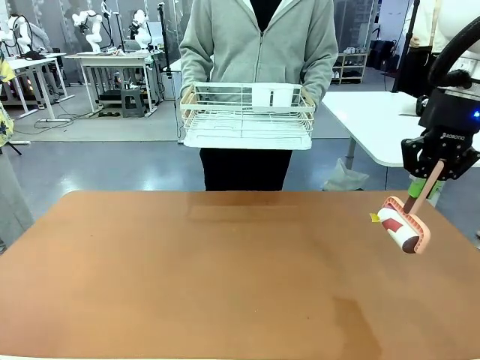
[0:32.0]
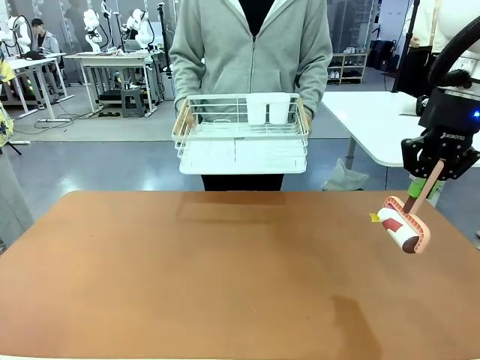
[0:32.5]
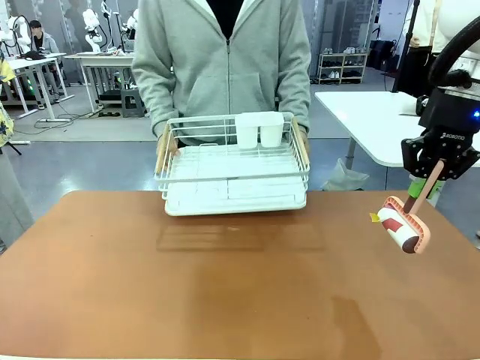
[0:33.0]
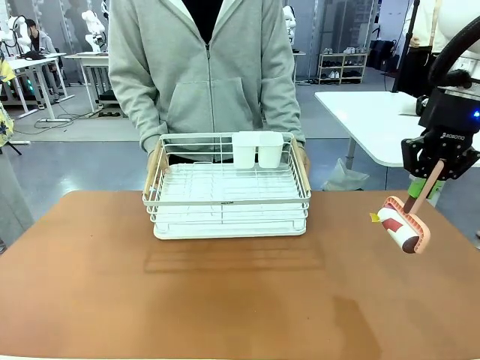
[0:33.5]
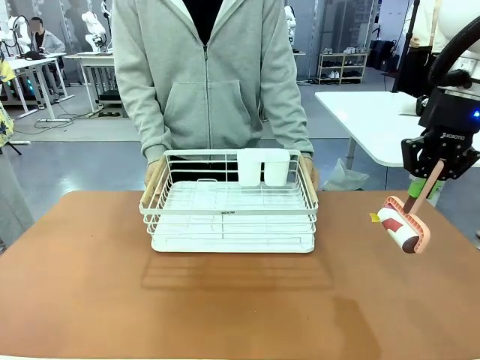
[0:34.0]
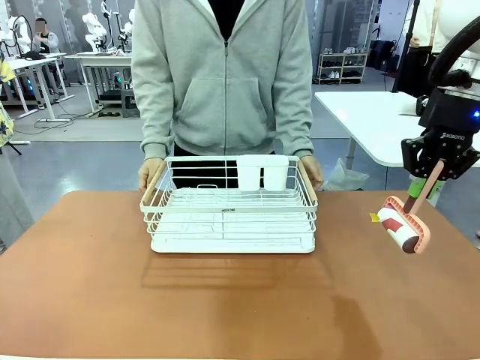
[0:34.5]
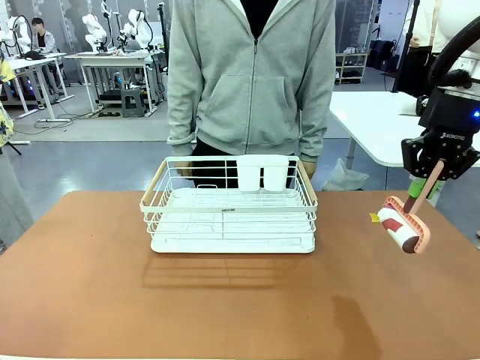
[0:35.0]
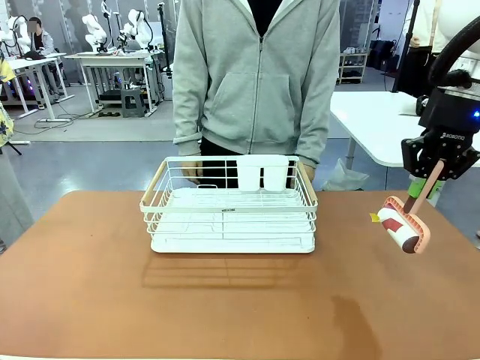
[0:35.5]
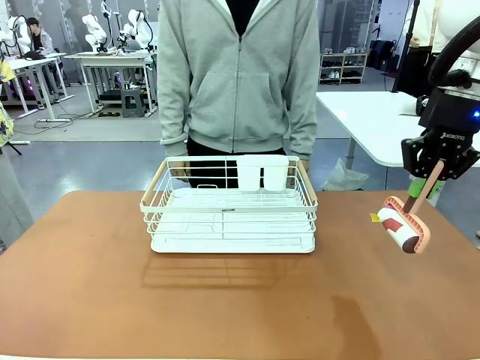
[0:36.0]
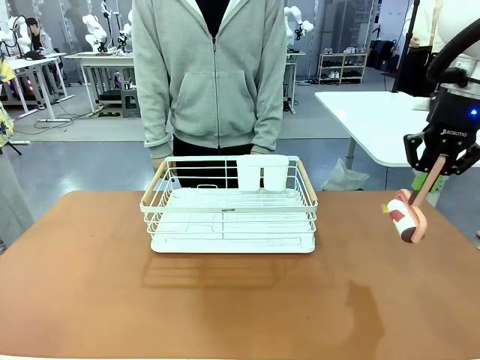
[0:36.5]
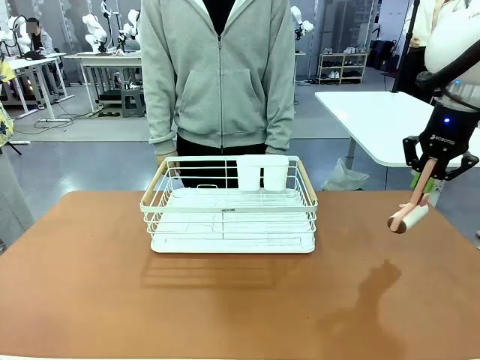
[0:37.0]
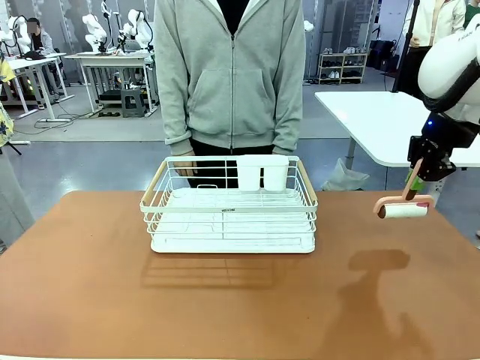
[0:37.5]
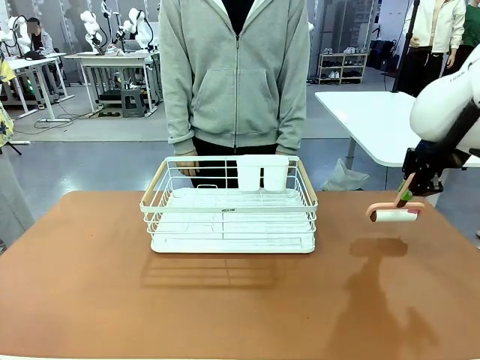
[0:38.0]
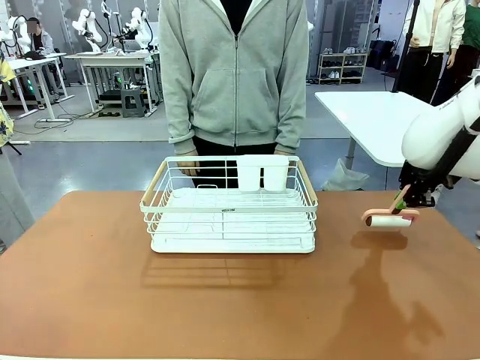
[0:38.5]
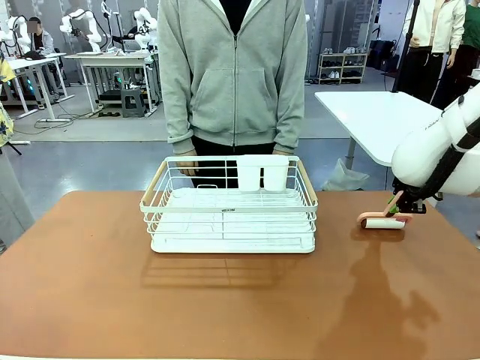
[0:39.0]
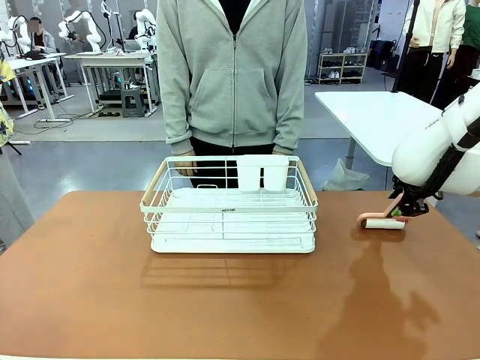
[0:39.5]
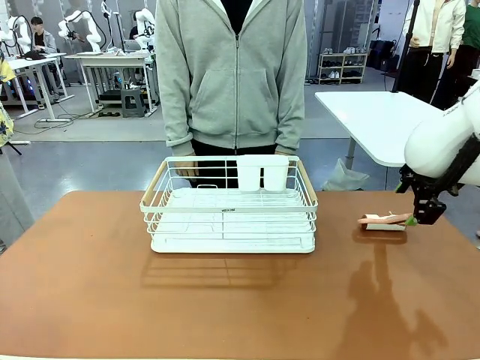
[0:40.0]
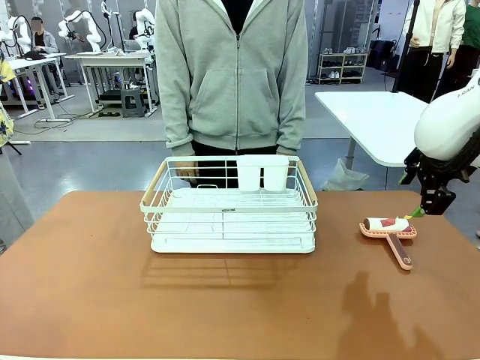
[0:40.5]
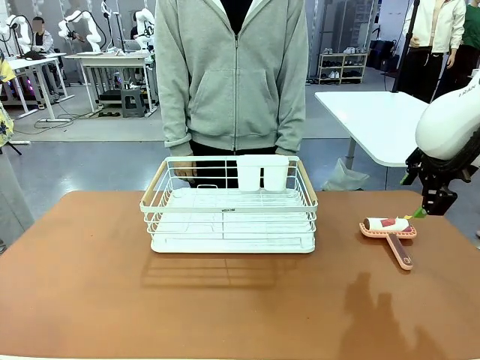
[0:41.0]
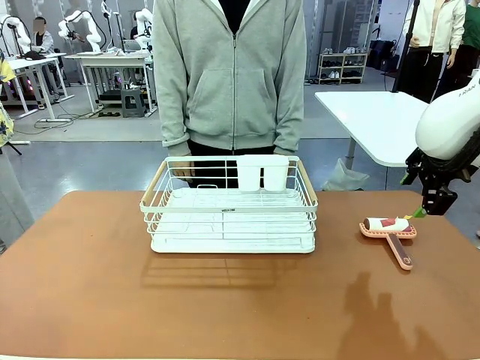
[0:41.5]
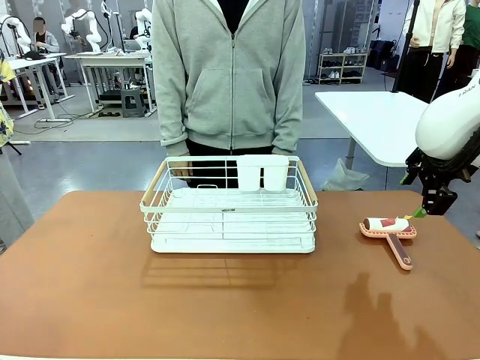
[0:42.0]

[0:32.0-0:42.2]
Task: Clean the table.
Robot: Place the Lint Roller down when the Dish drying rack is positioned in the middle of the table.

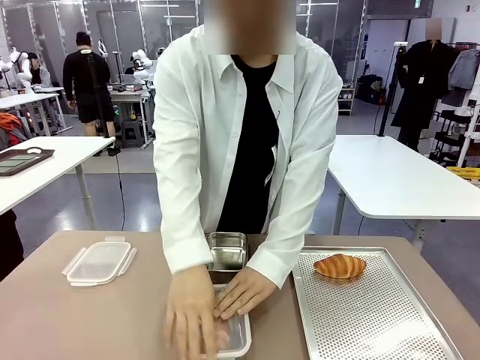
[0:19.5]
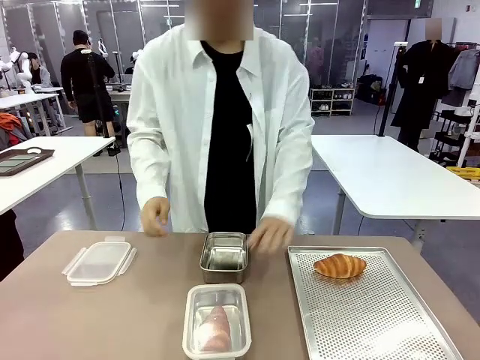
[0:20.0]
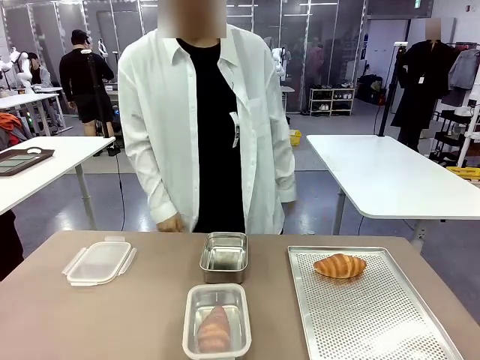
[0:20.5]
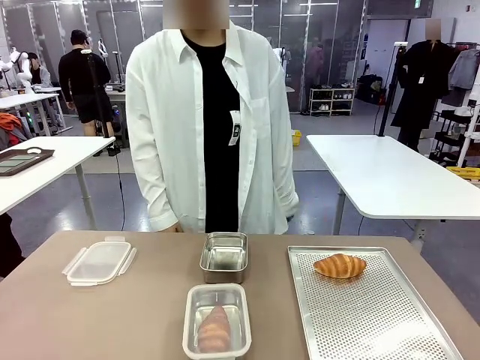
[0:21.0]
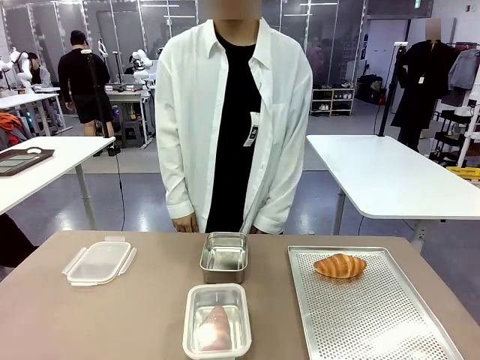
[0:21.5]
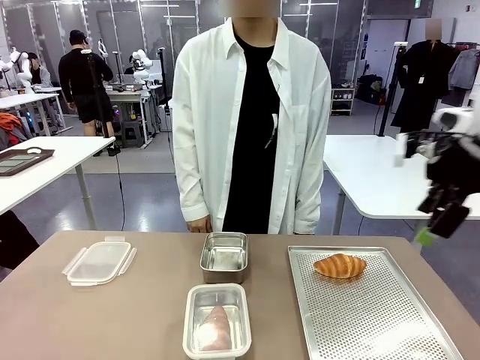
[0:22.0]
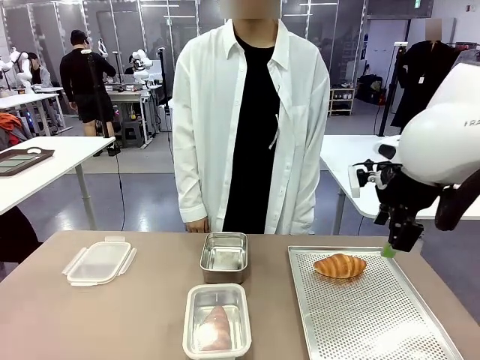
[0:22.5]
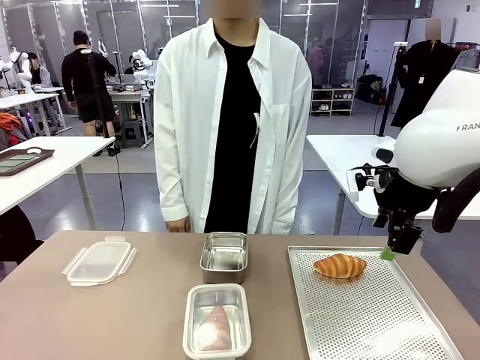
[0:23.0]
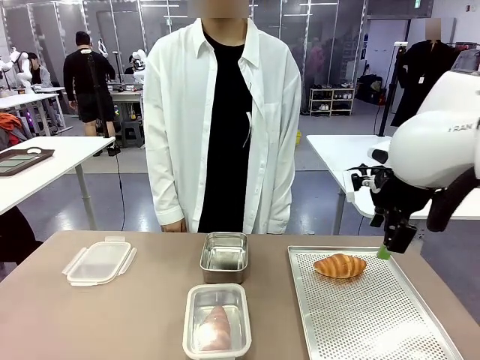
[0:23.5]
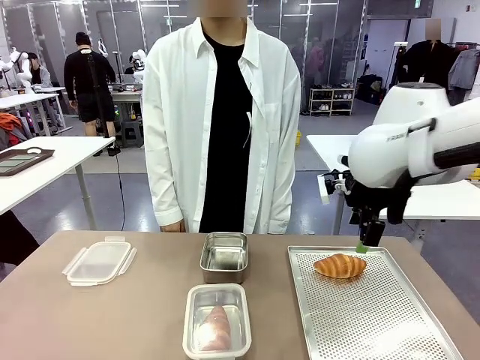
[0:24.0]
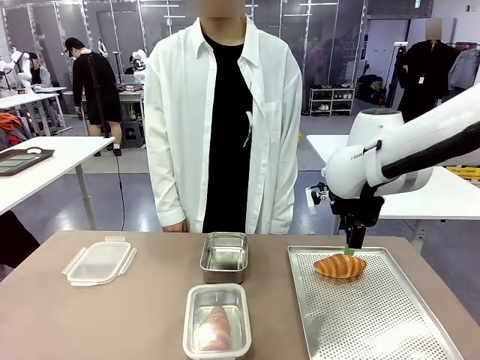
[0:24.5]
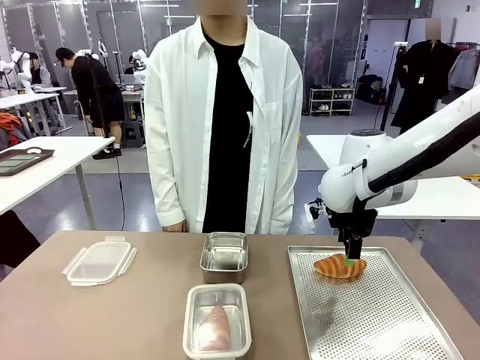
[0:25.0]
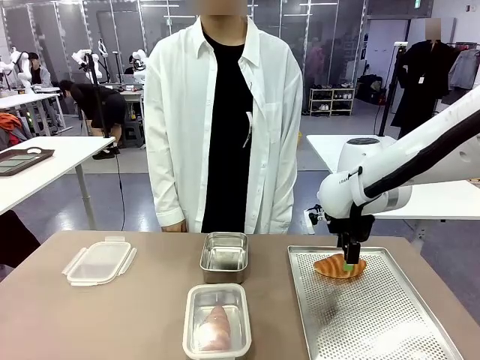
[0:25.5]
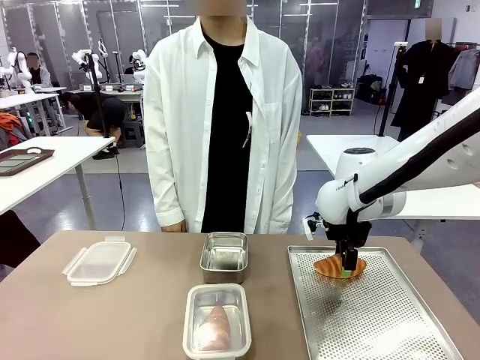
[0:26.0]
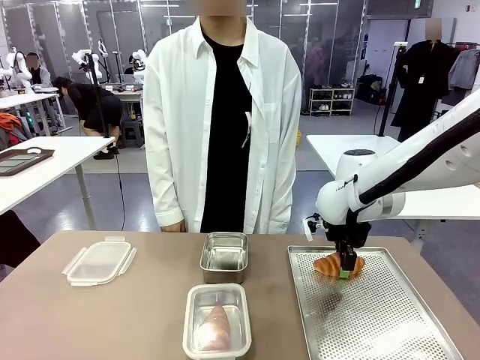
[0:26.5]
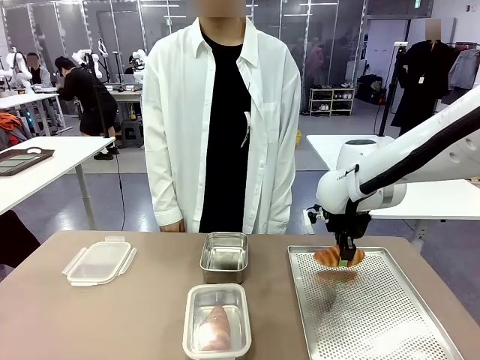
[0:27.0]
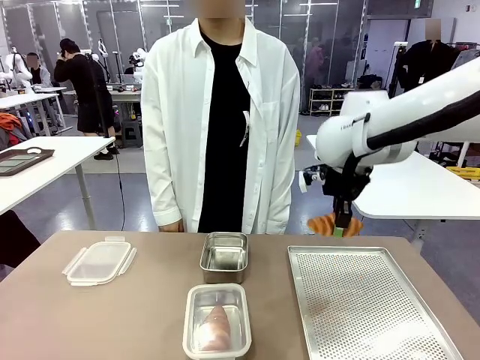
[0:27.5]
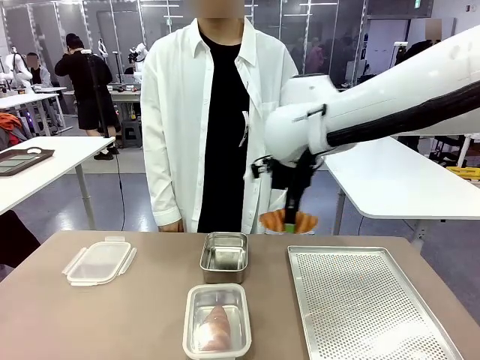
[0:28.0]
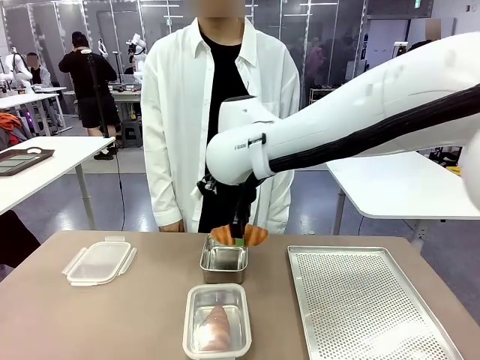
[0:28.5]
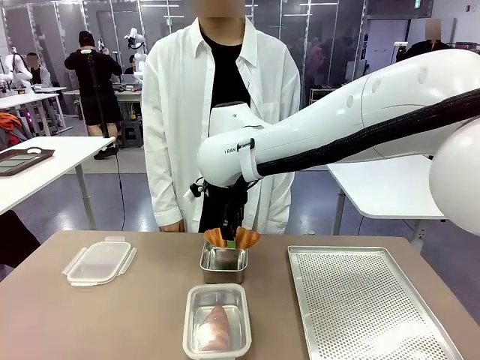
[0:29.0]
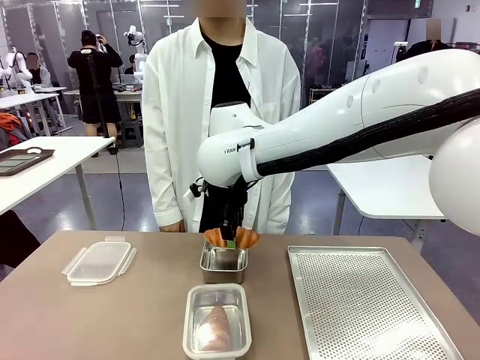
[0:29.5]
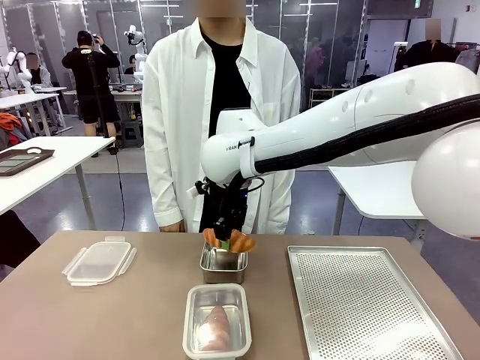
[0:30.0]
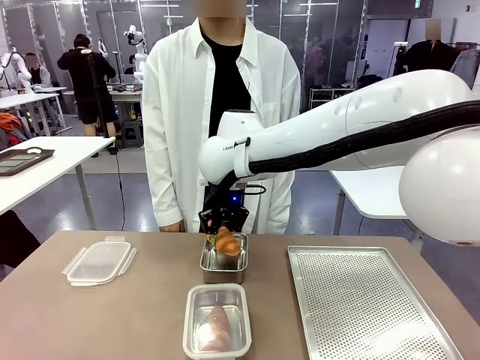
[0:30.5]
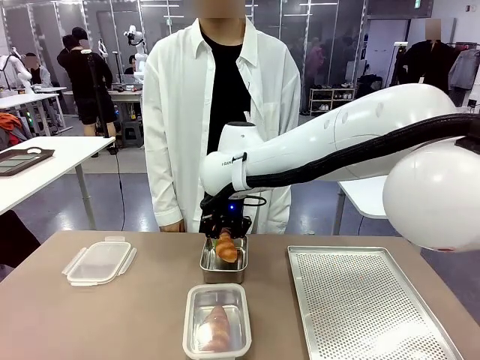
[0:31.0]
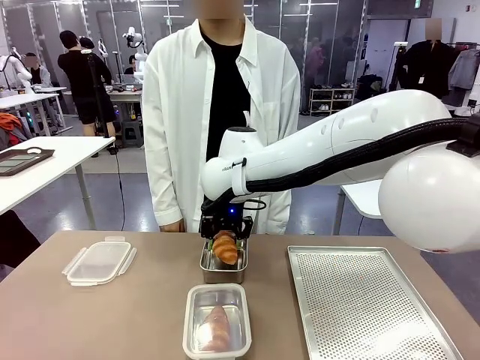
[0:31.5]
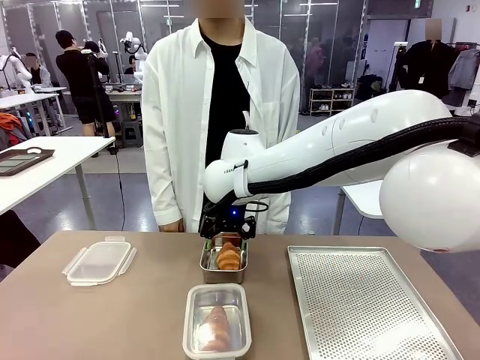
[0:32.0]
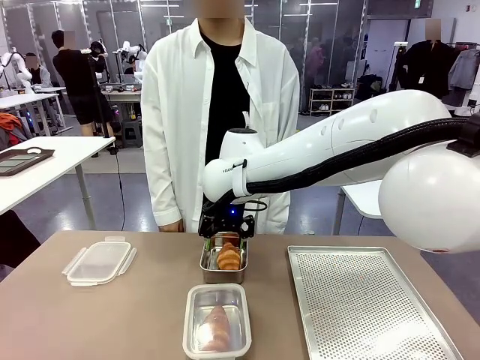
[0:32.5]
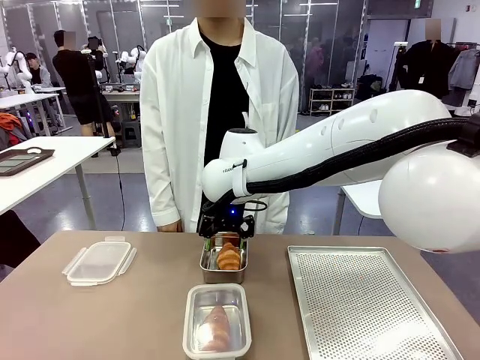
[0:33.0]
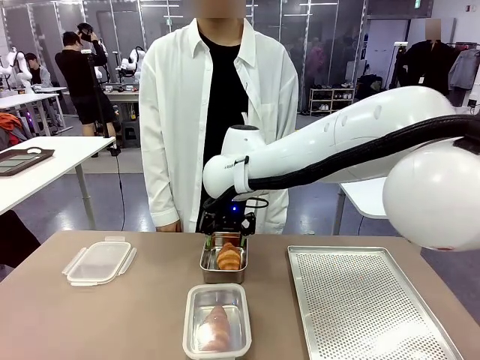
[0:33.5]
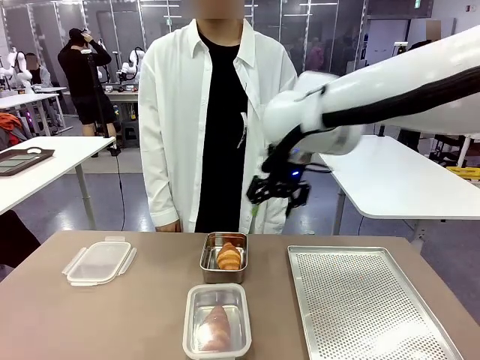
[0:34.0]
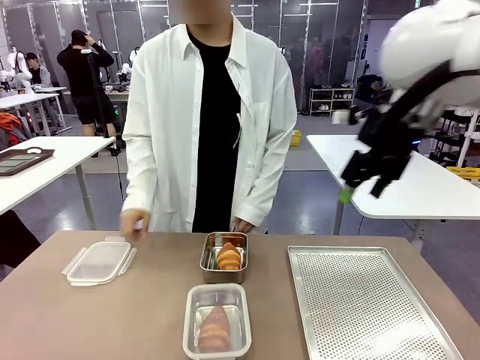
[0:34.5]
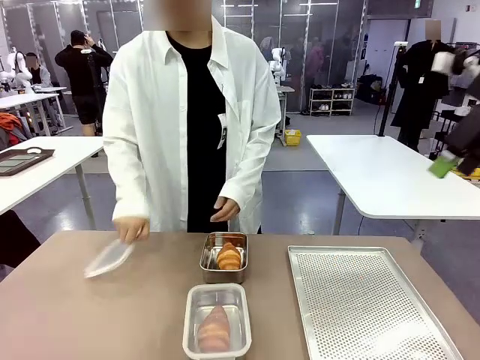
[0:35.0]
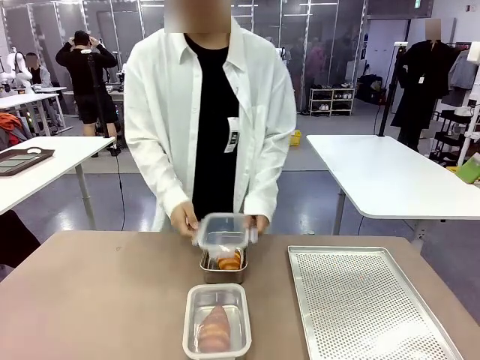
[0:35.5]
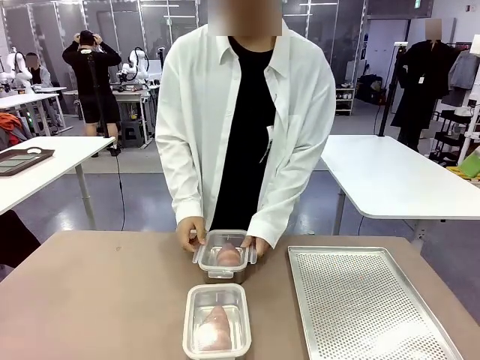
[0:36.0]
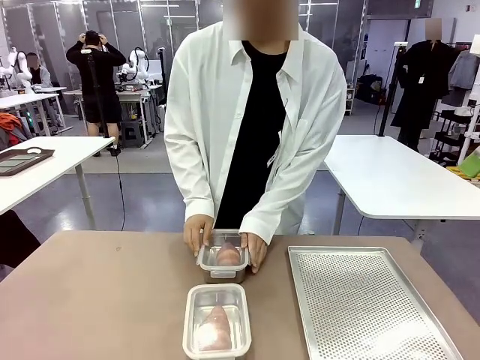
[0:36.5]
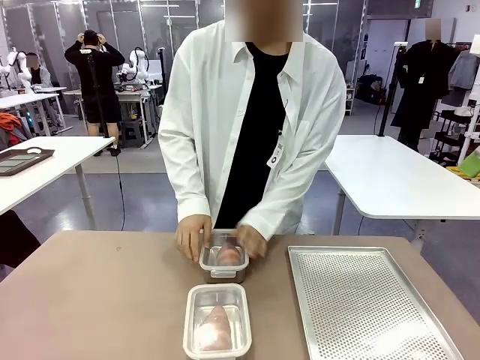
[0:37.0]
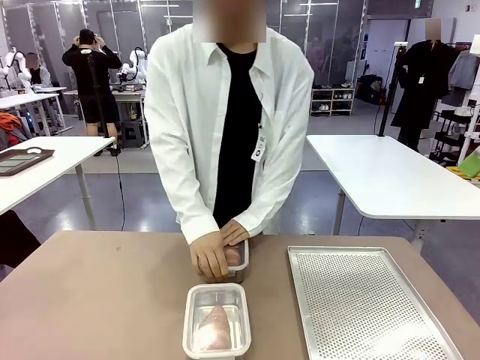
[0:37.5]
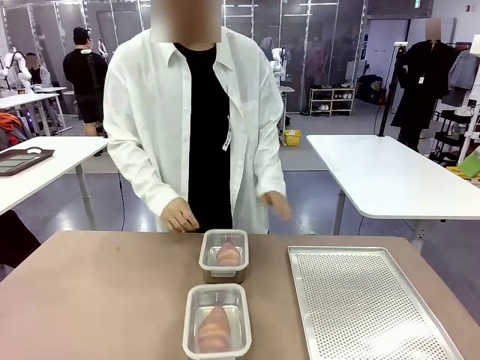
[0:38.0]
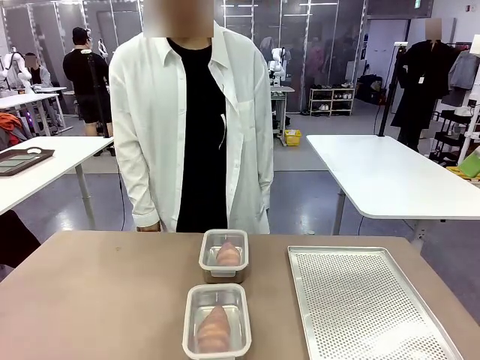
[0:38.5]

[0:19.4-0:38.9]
Task: Place the bread into the airtight container.
Robot: Pick up a Butter Roll and place it into an empty Airtight Container.
Person: Once a Butter Roll is inside an Airtight Container , close the lid of that Airtight Container.
